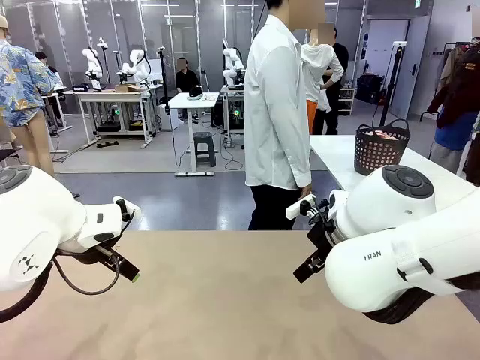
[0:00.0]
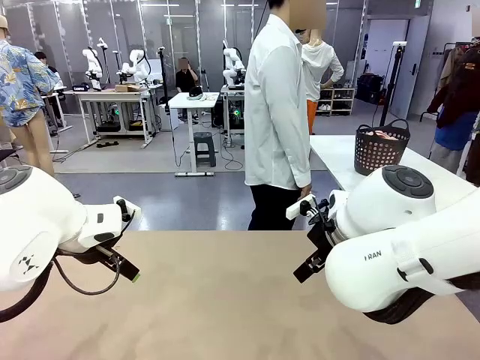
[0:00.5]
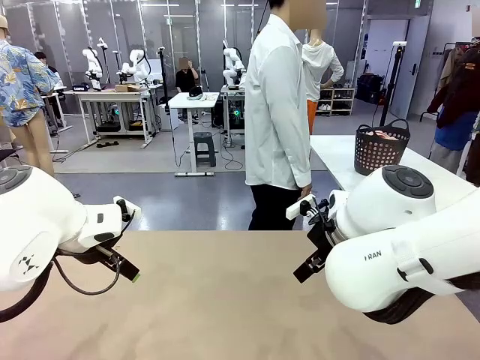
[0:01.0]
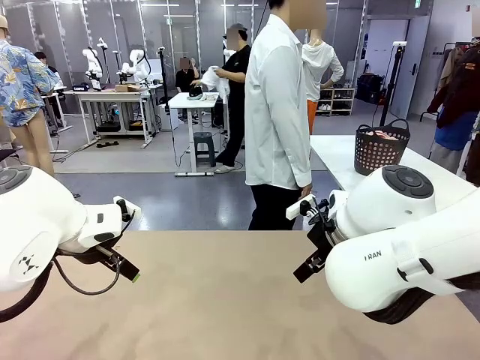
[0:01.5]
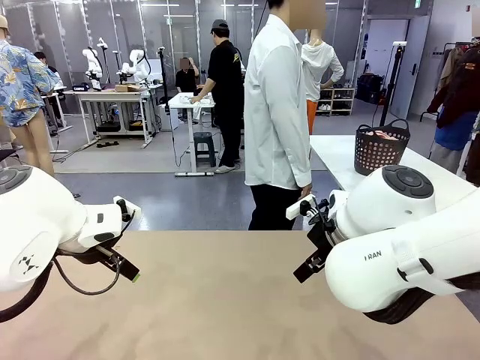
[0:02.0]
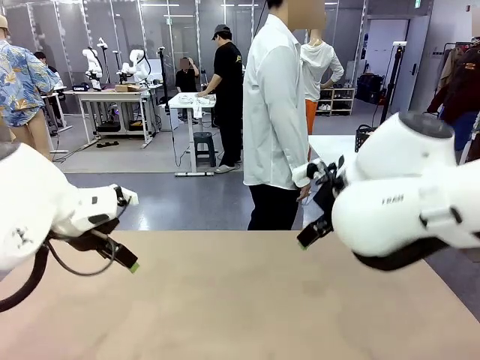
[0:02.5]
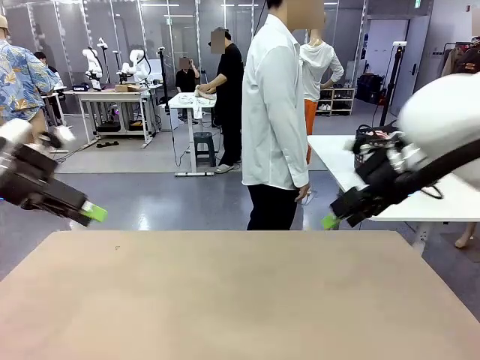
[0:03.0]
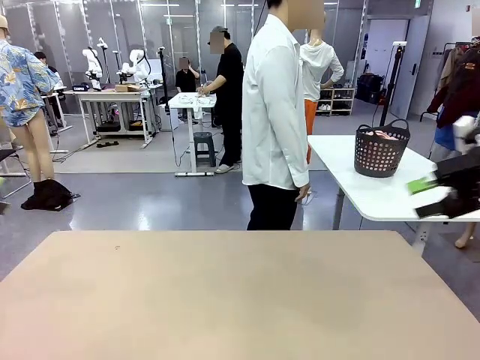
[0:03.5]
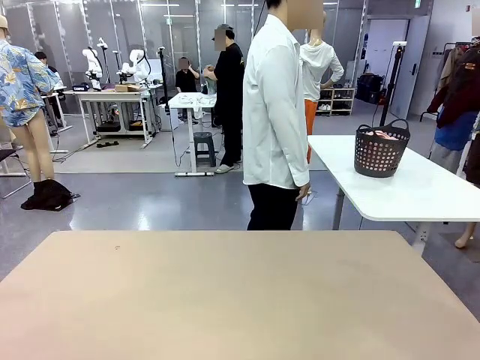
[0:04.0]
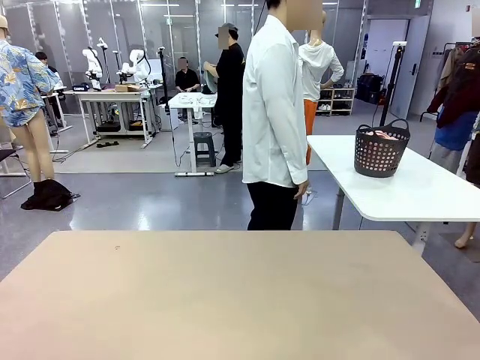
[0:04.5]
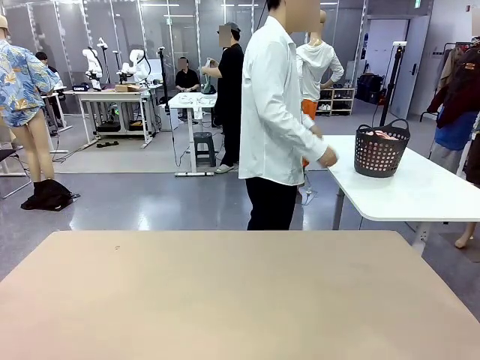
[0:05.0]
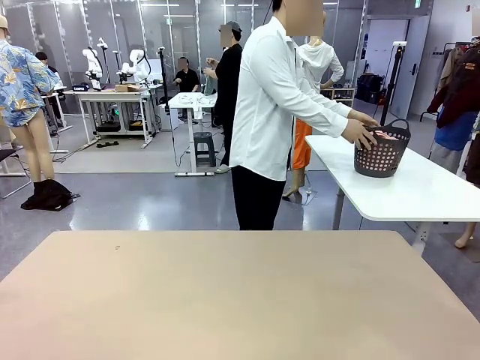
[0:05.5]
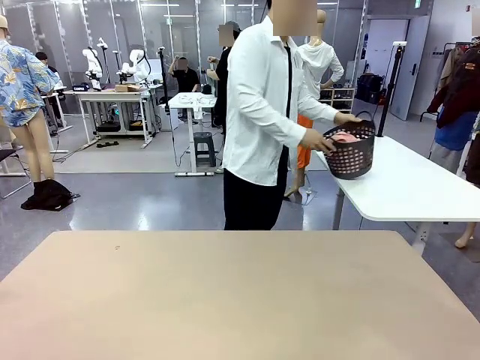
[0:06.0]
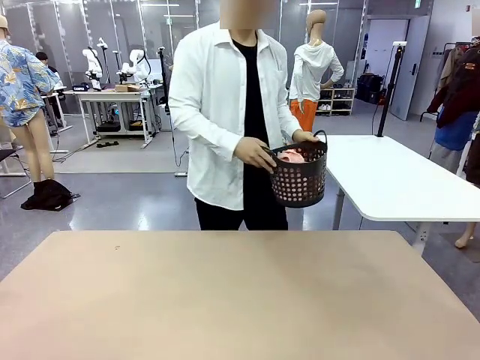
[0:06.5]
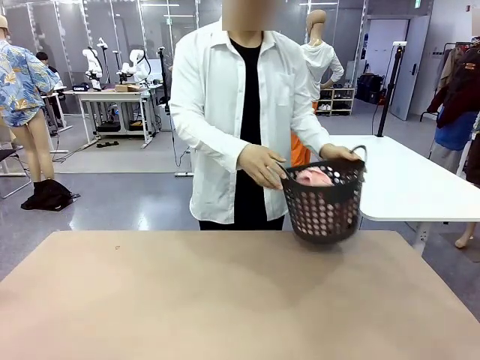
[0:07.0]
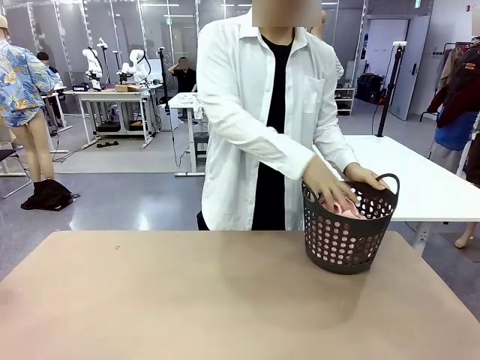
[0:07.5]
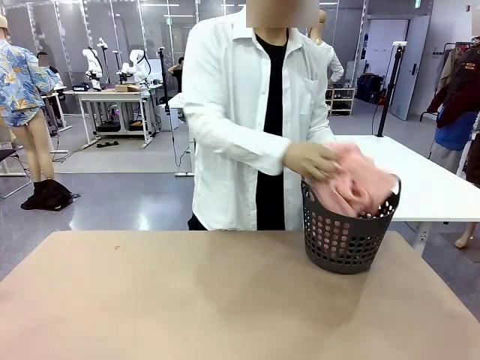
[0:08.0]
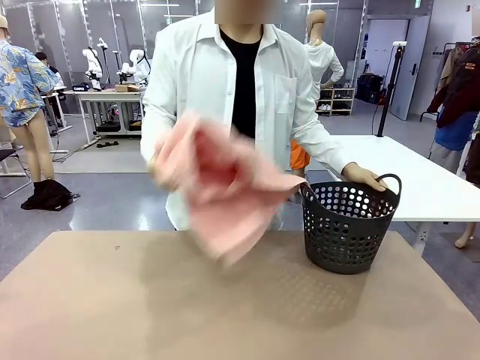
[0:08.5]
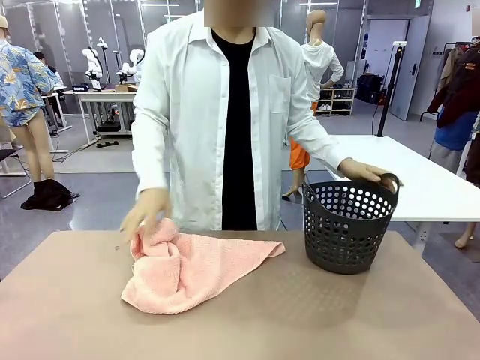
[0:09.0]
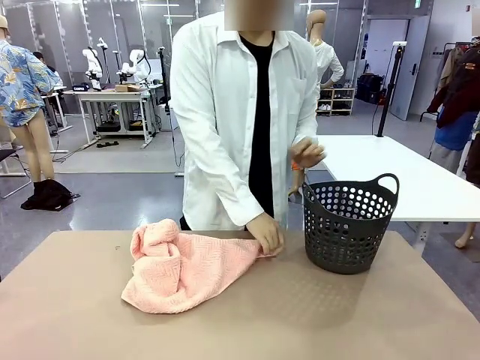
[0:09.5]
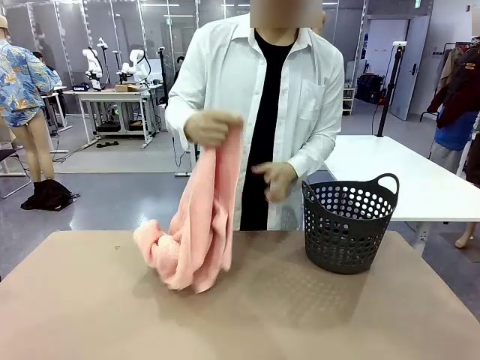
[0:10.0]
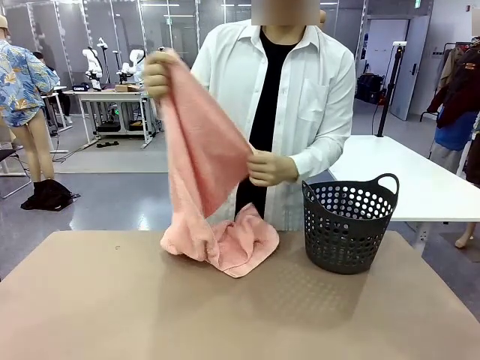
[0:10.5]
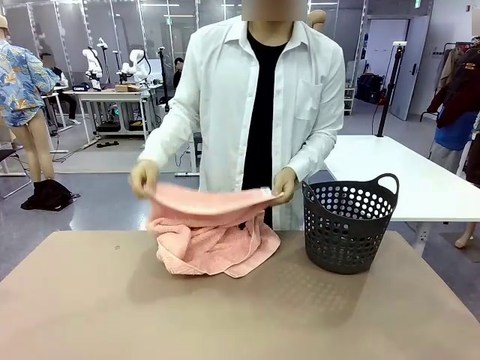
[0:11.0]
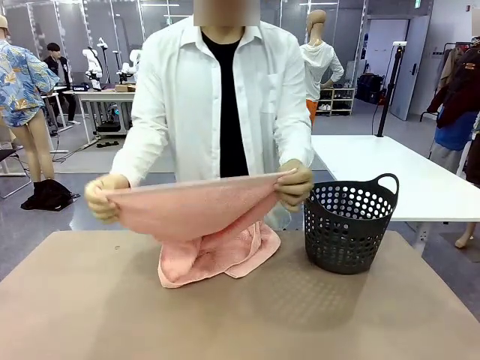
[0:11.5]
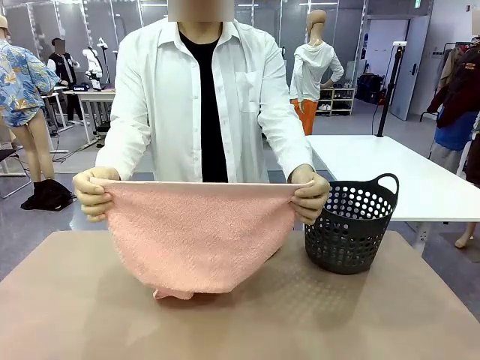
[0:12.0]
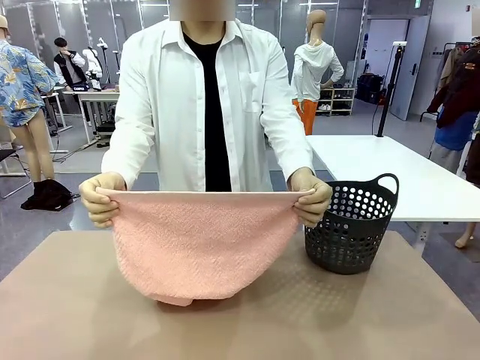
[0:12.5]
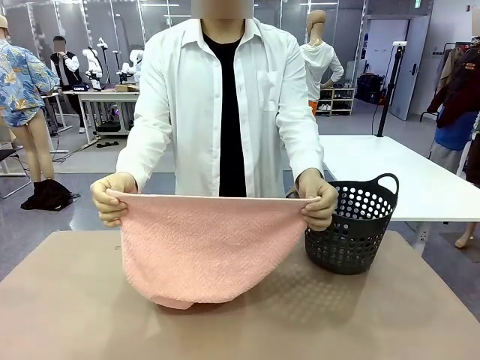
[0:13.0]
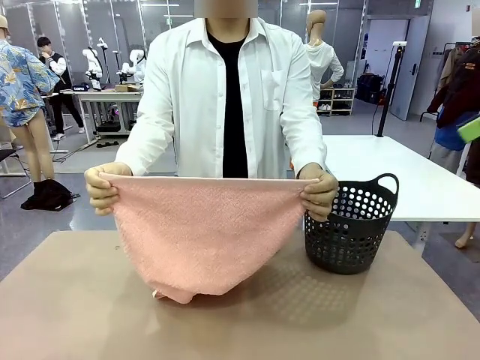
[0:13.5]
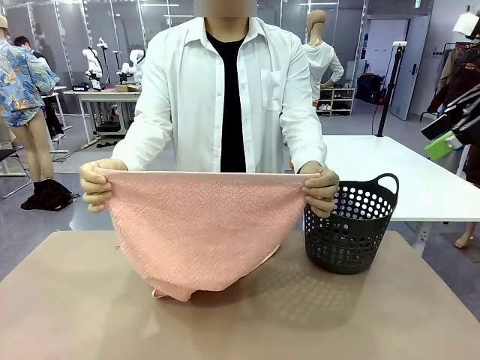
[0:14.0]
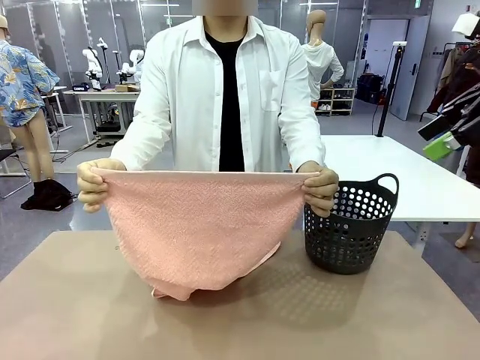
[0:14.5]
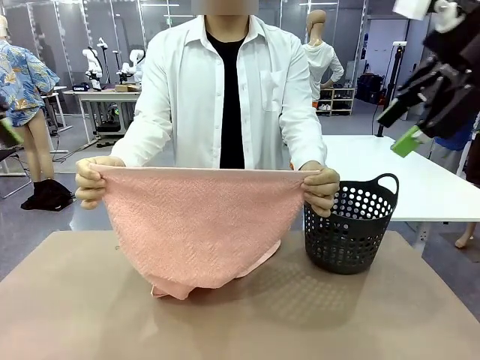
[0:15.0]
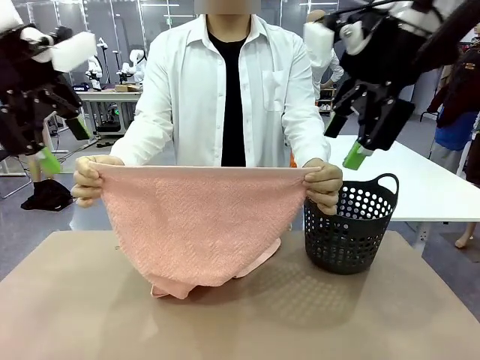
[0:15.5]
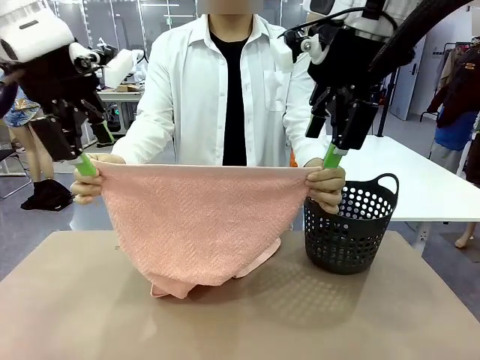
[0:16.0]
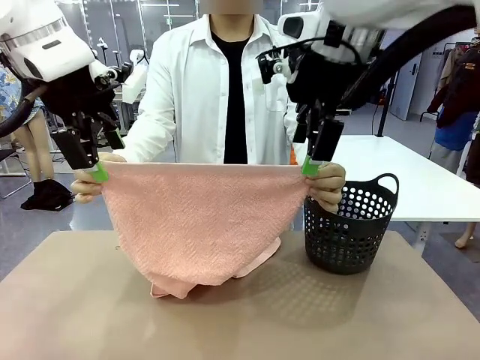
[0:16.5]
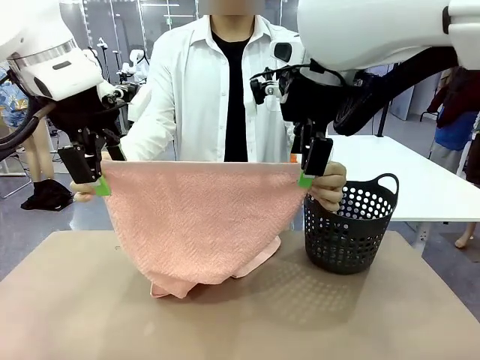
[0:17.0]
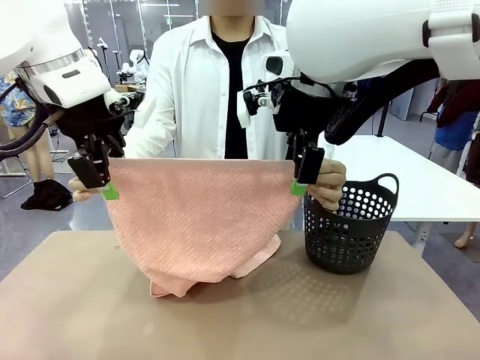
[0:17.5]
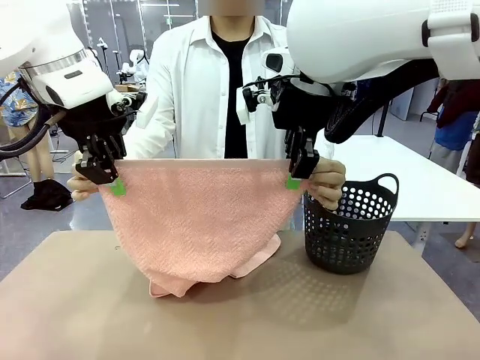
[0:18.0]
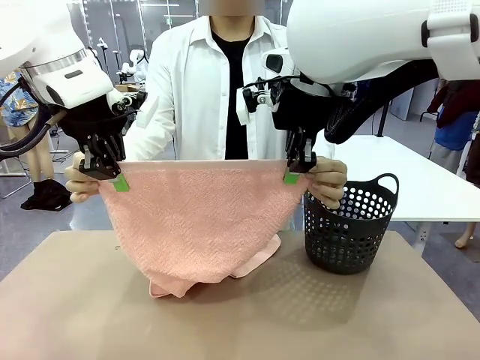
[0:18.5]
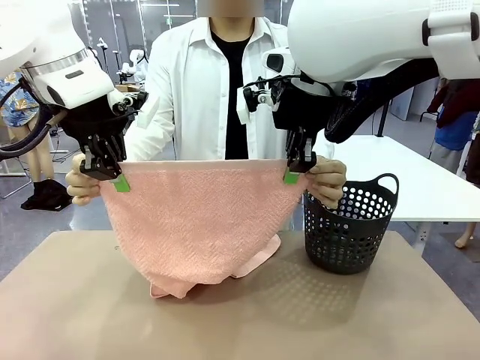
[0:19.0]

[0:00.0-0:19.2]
Task: Fold the towel.
Robot: Grab the top end of the 100 cm Hotel Towel extended by the human.
Person: Pick up the laundry basket, place it on the left side of the robot table, then take out a towel and hand it to the robot while holding both corners of one end.
